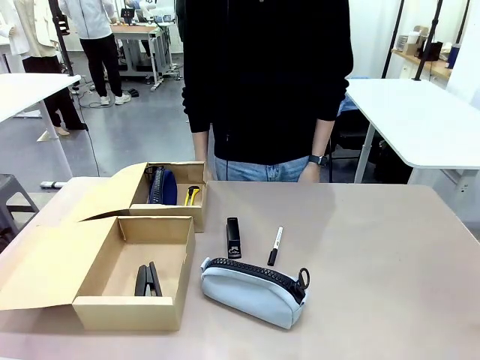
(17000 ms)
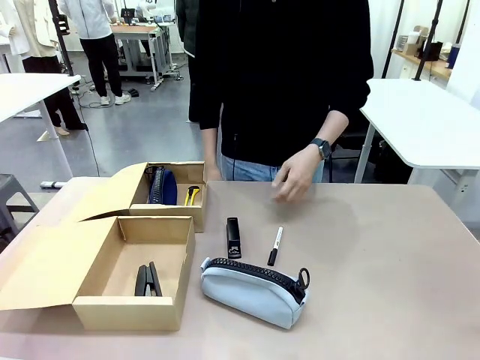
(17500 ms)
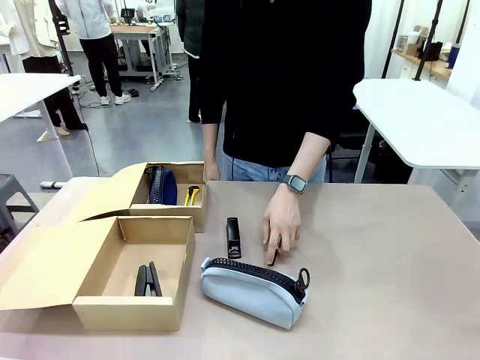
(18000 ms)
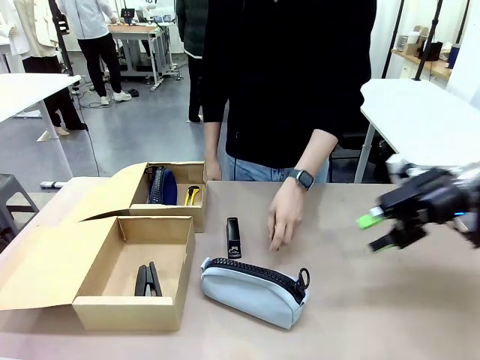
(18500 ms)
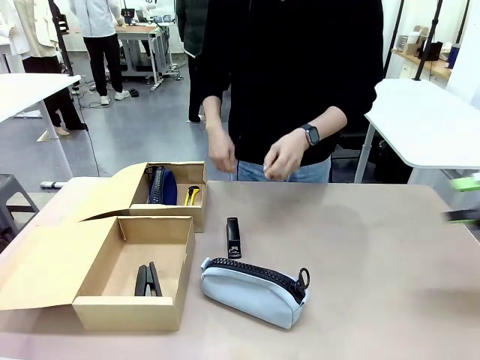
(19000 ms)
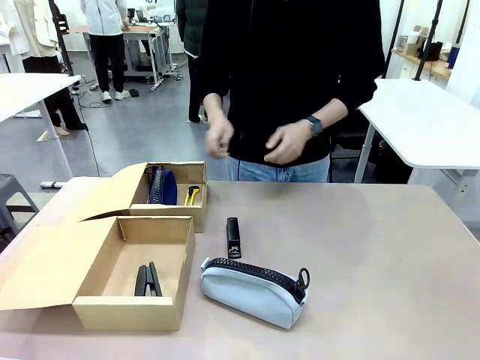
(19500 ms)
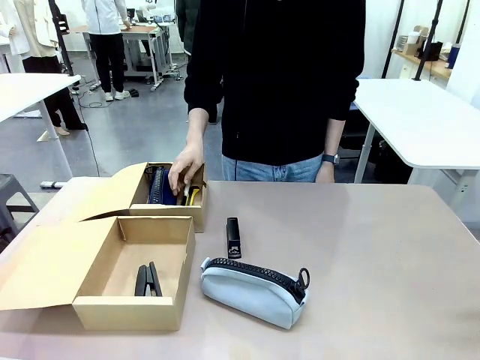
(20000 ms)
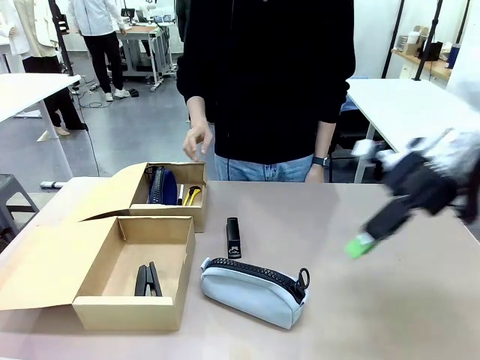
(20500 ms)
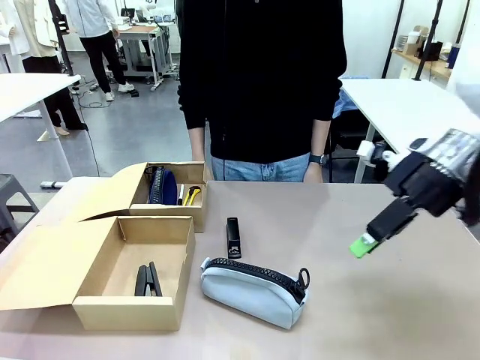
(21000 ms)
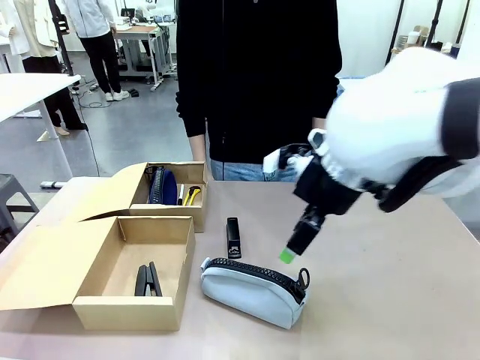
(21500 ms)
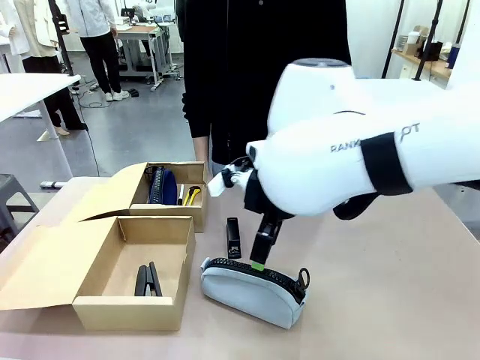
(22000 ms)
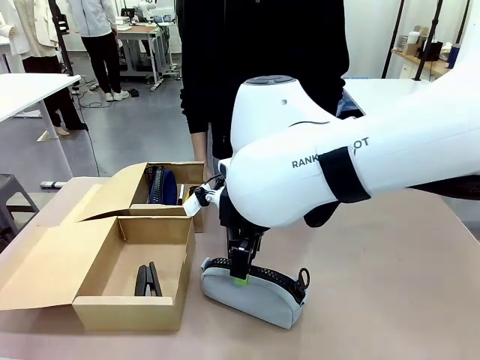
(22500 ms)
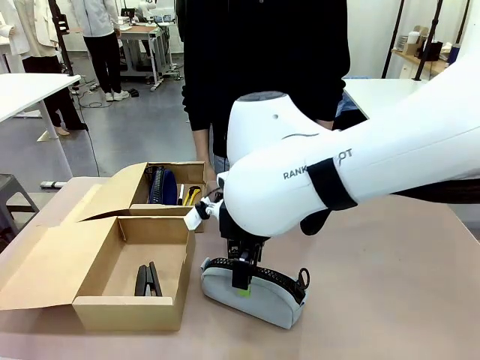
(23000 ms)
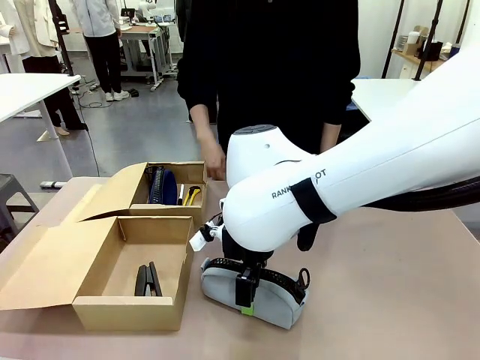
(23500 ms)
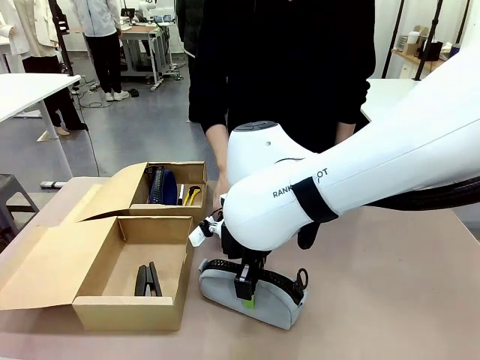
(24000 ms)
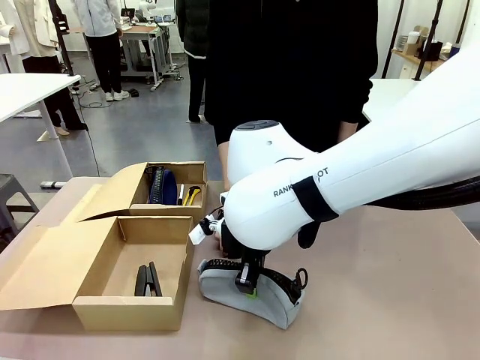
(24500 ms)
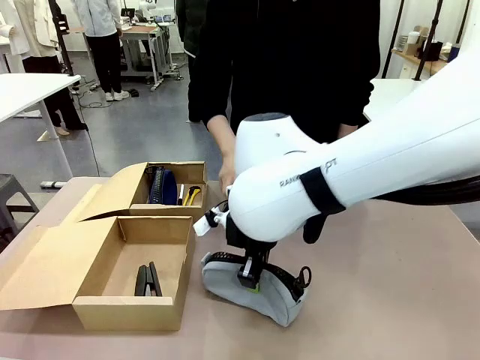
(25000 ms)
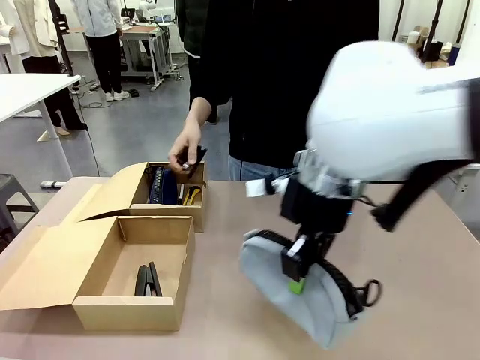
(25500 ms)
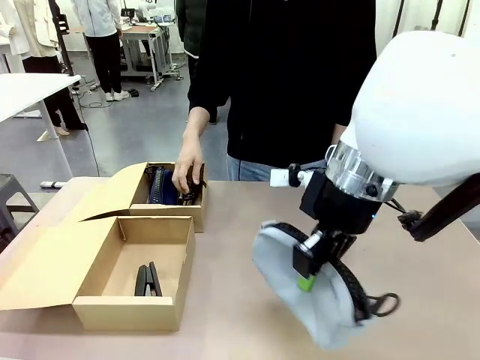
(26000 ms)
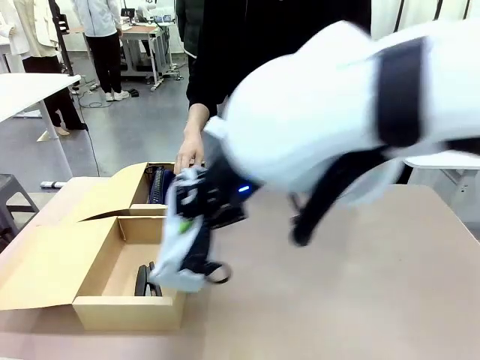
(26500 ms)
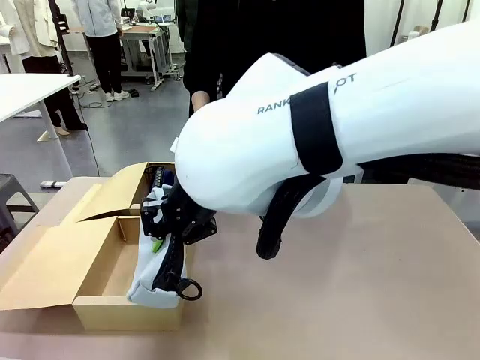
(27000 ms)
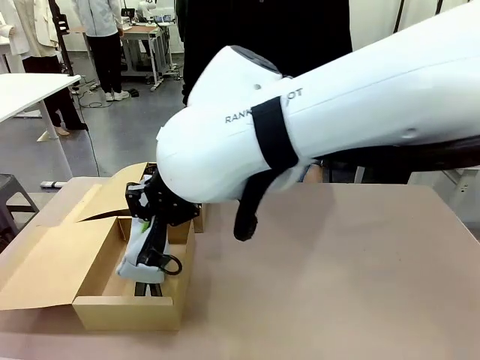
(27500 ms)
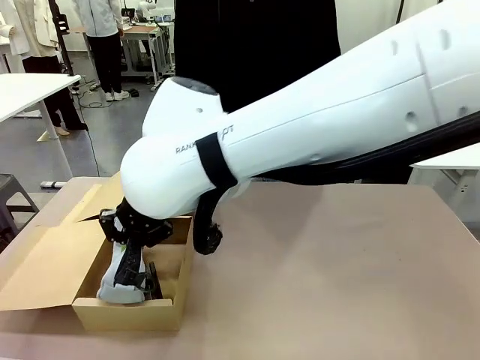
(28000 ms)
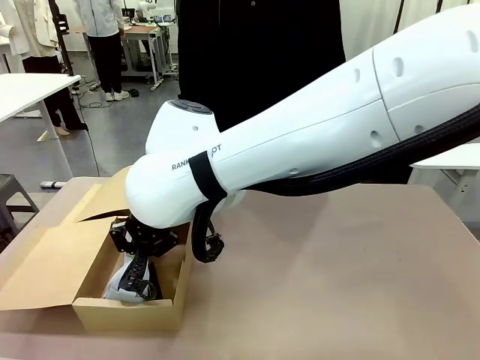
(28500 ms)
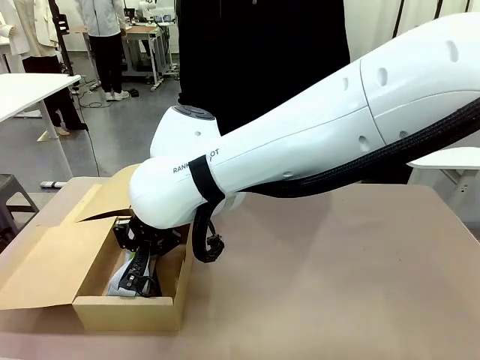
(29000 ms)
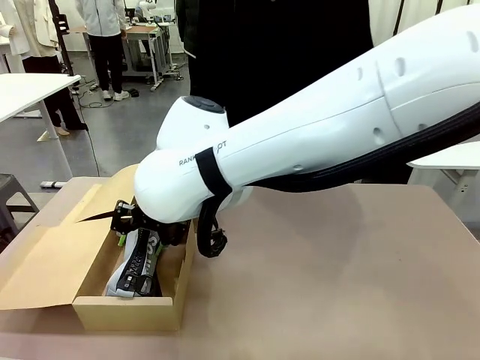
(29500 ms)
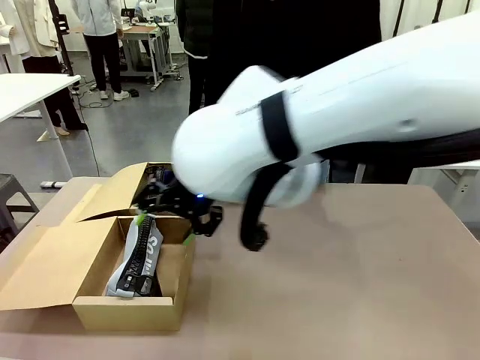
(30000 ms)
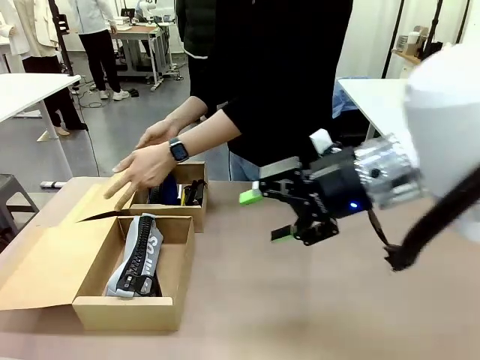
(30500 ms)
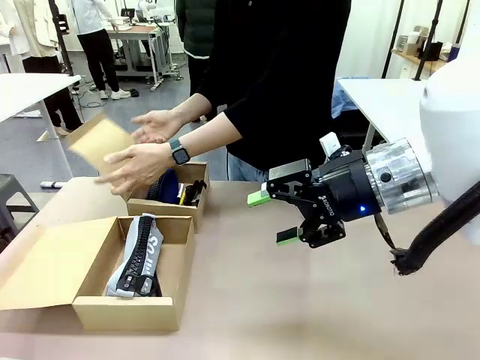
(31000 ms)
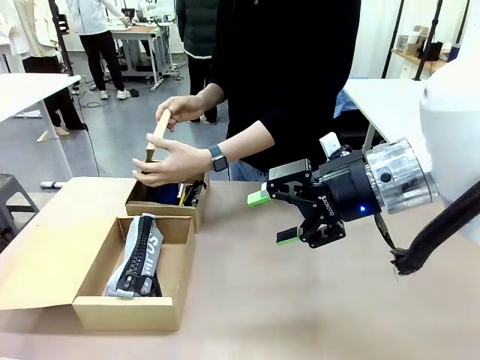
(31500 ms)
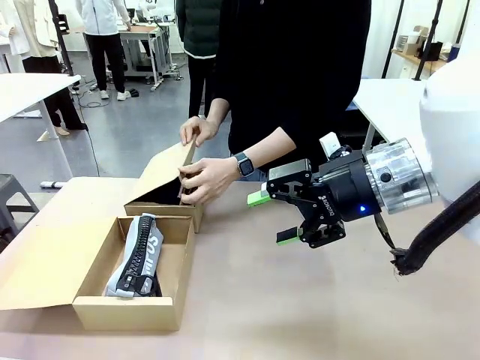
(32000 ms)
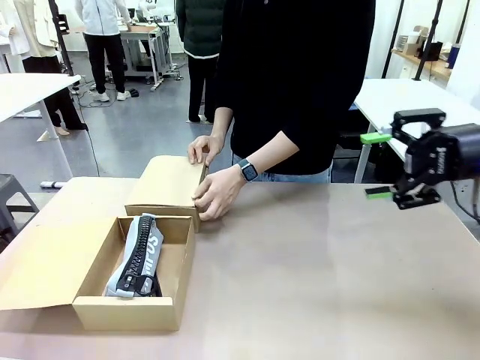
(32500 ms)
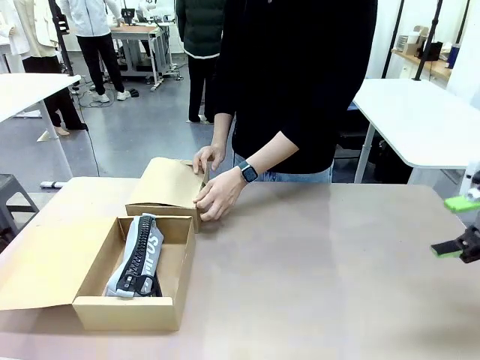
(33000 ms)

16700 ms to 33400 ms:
Task: Place items inside the box.
Robot: Pick up a Pencil pouch or Stapler and place it inside the Mailer Box closest to the robot.

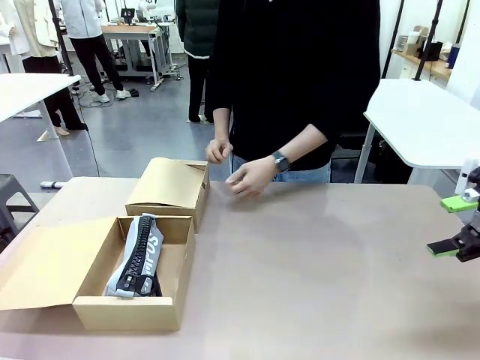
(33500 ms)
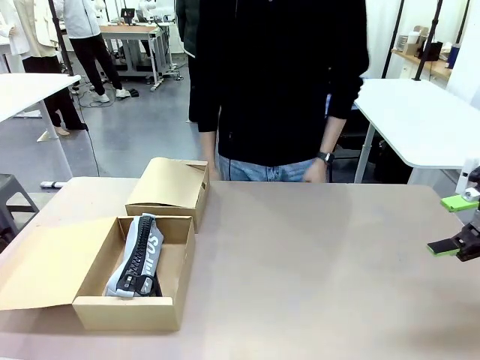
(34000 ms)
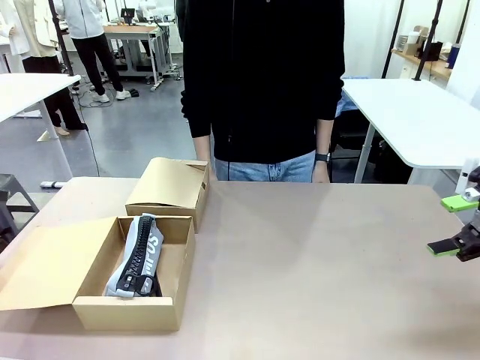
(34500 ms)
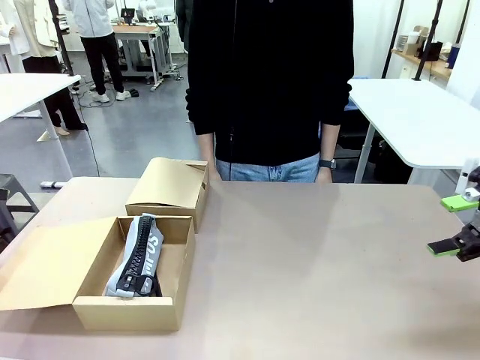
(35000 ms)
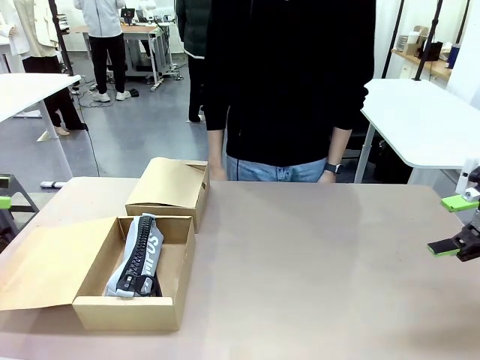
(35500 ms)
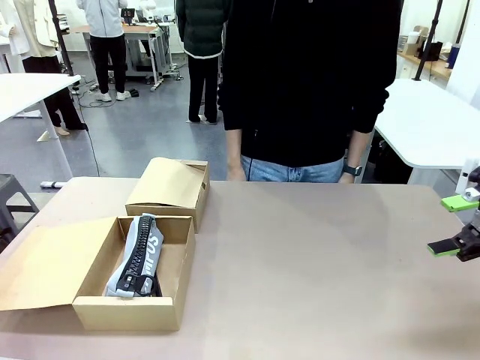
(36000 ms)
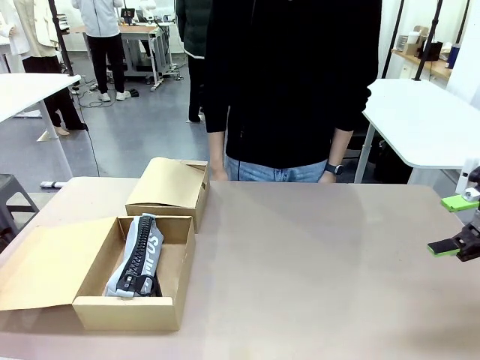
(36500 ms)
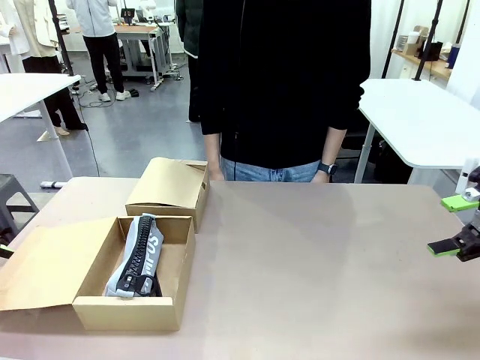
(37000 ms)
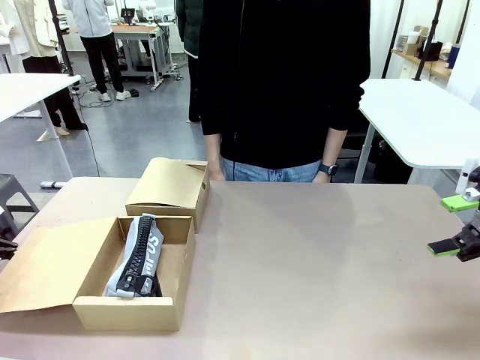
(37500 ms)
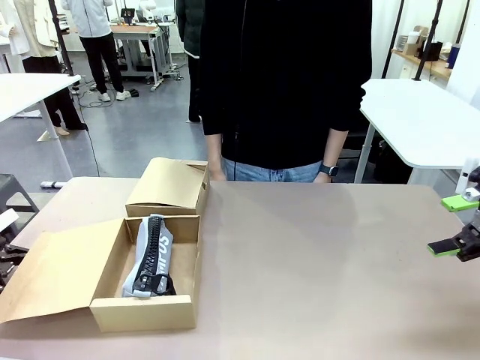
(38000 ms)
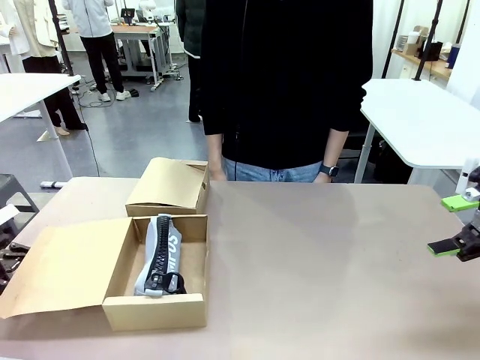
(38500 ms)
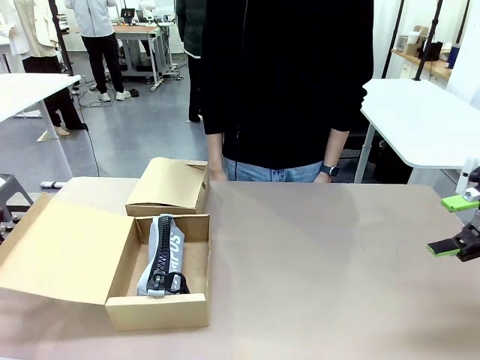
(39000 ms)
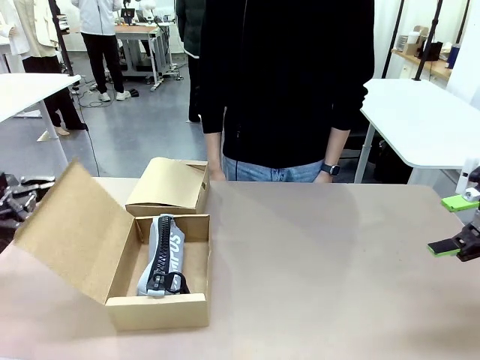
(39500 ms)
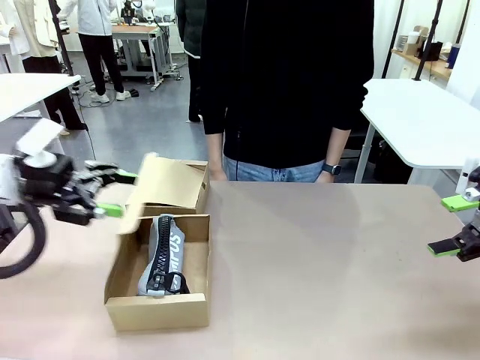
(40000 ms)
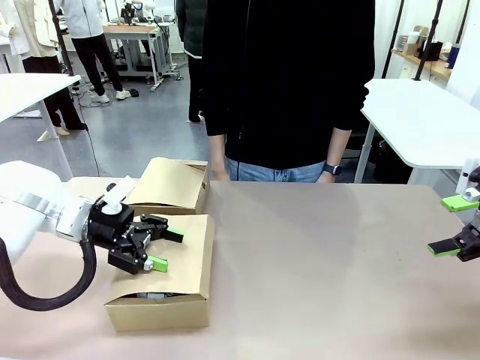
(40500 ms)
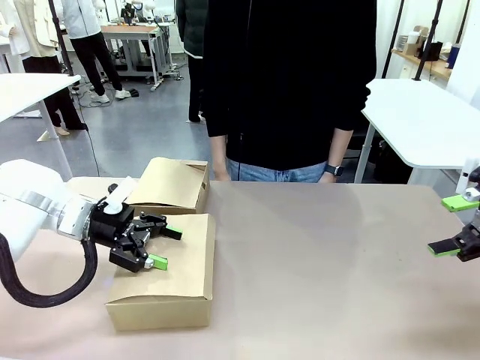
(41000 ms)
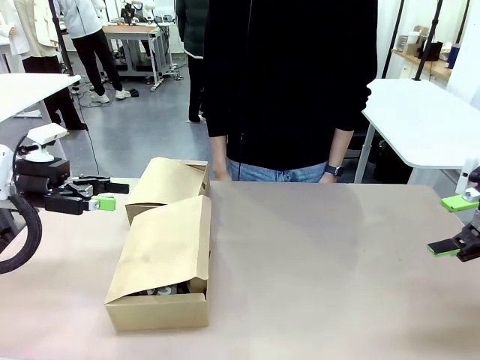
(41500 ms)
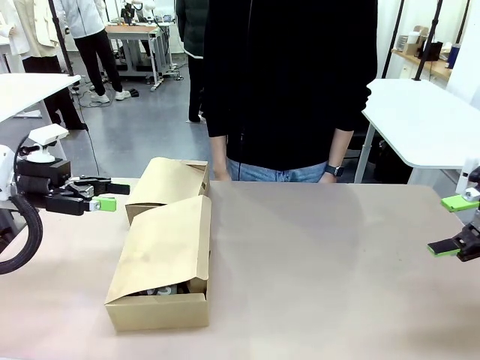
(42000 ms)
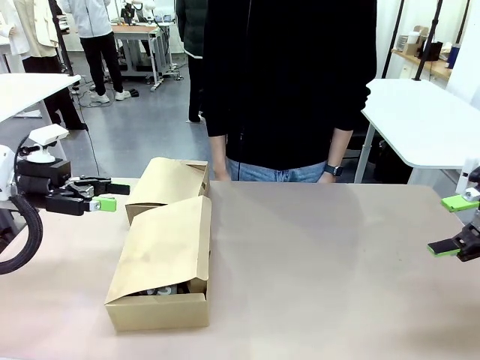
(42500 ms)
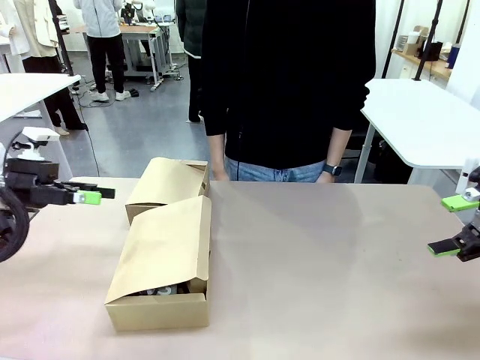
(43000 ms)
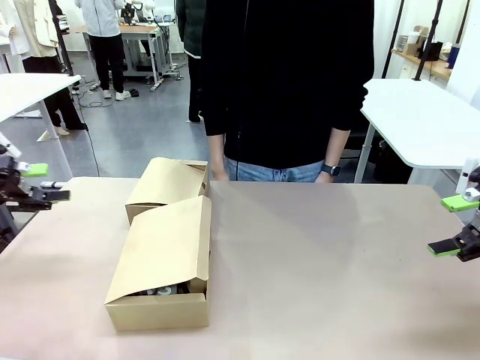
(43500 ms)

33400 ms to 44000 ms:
Robot: Close the lid of the Mailer Box closest to the robot.
Person: Close the lid of the box facing the person.
